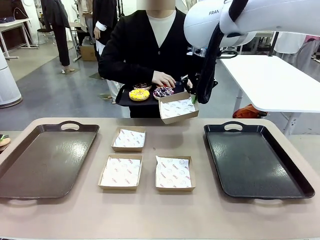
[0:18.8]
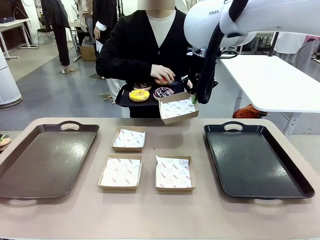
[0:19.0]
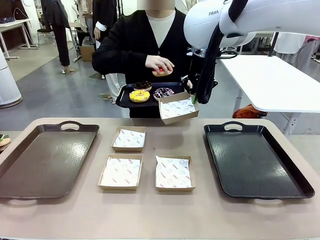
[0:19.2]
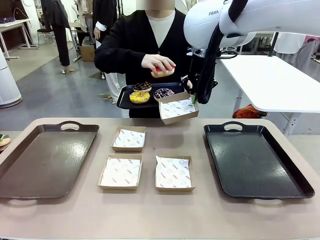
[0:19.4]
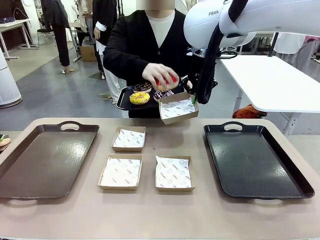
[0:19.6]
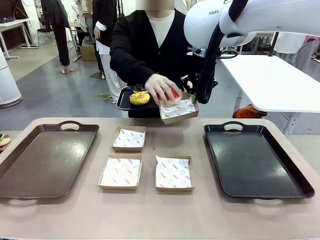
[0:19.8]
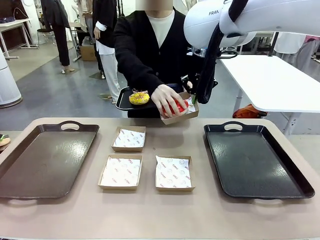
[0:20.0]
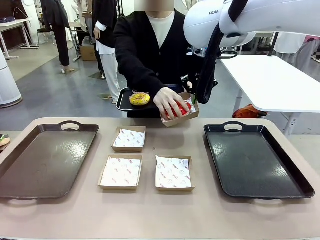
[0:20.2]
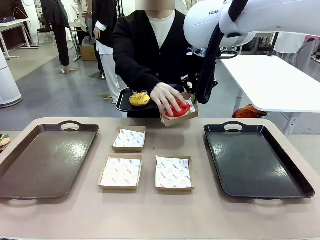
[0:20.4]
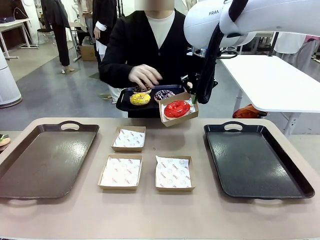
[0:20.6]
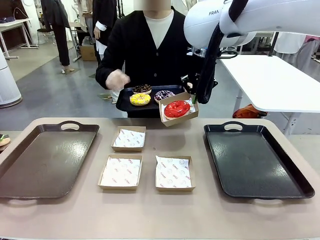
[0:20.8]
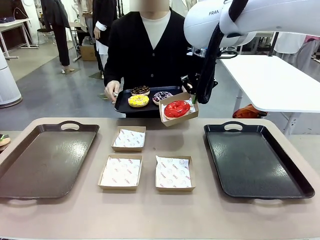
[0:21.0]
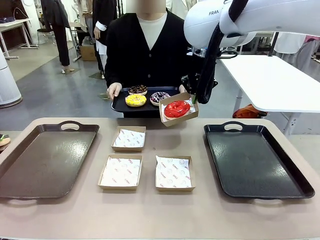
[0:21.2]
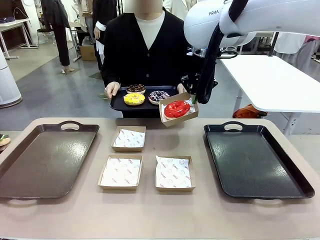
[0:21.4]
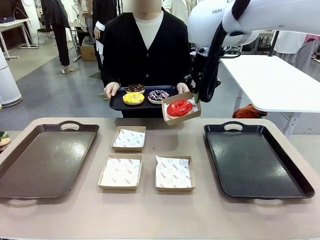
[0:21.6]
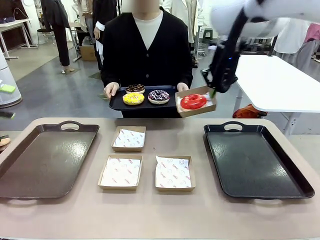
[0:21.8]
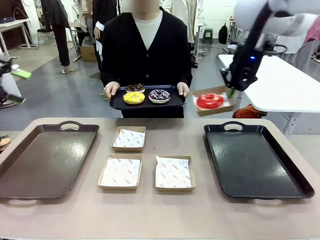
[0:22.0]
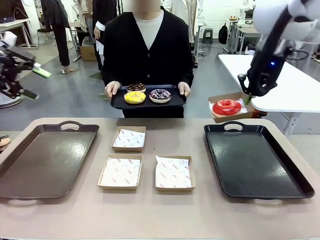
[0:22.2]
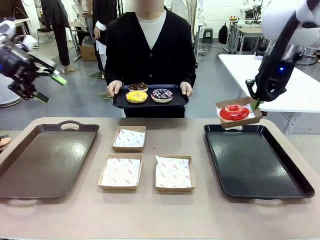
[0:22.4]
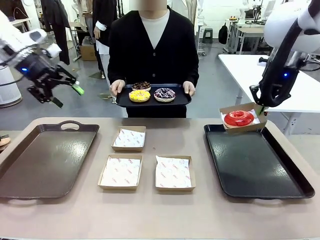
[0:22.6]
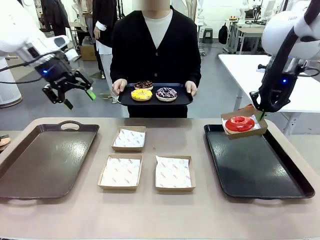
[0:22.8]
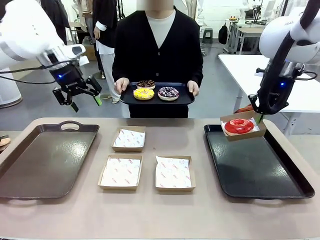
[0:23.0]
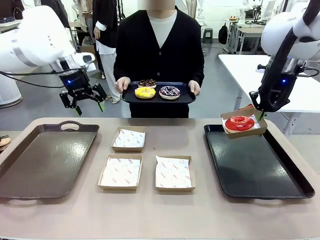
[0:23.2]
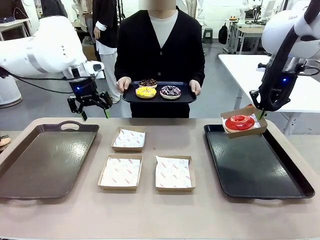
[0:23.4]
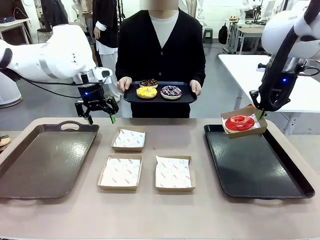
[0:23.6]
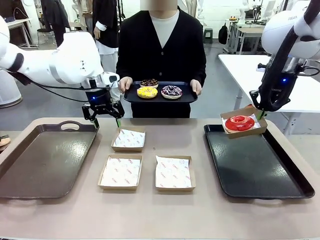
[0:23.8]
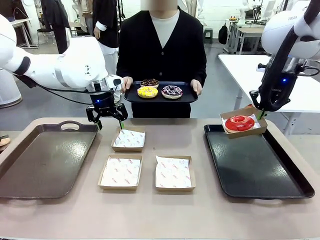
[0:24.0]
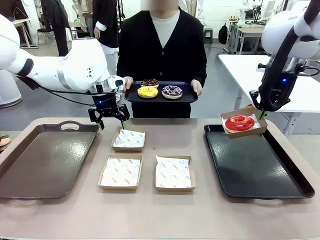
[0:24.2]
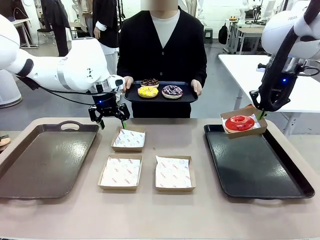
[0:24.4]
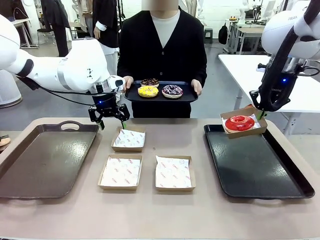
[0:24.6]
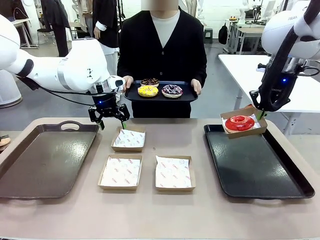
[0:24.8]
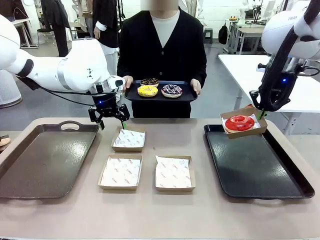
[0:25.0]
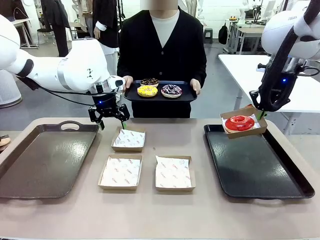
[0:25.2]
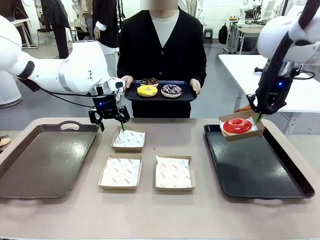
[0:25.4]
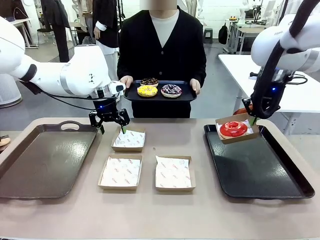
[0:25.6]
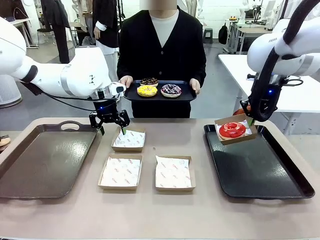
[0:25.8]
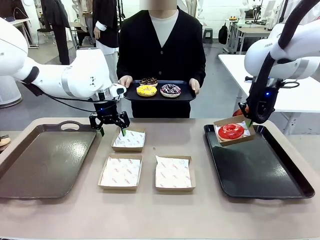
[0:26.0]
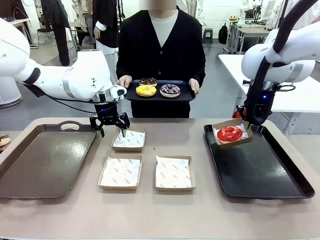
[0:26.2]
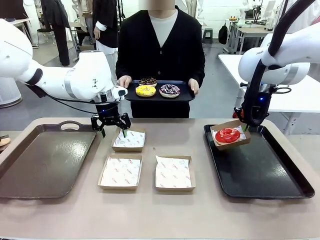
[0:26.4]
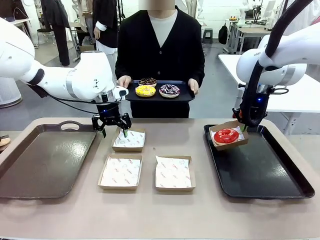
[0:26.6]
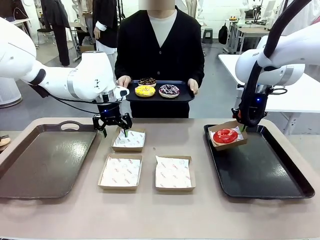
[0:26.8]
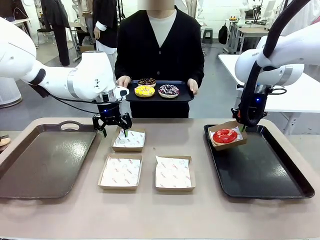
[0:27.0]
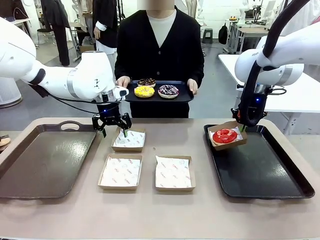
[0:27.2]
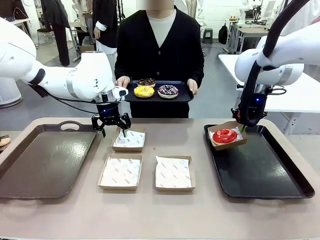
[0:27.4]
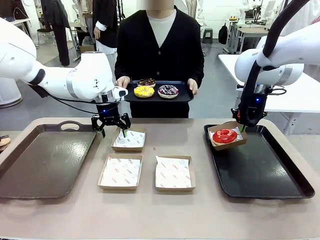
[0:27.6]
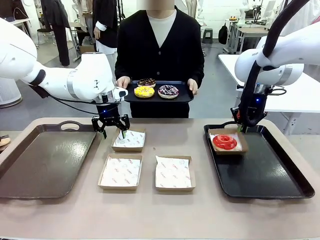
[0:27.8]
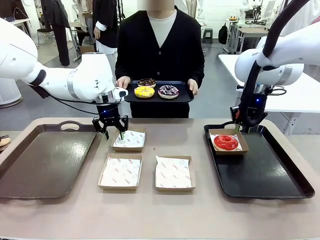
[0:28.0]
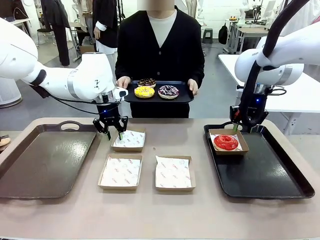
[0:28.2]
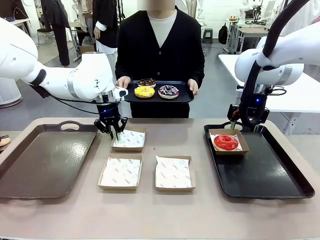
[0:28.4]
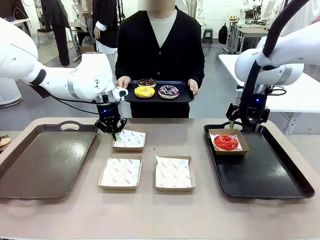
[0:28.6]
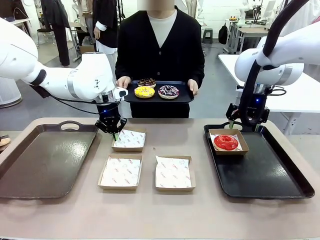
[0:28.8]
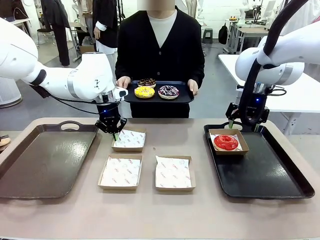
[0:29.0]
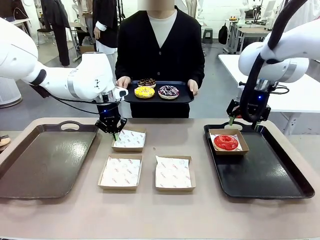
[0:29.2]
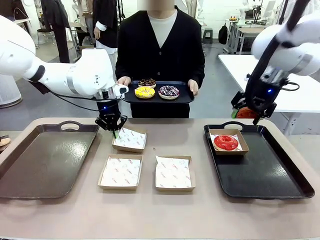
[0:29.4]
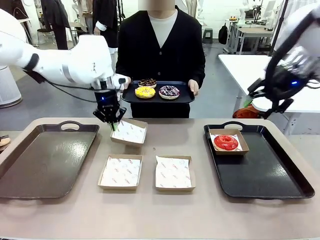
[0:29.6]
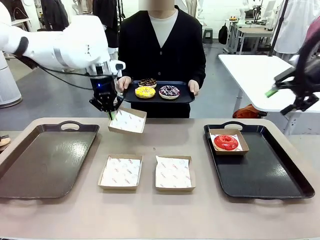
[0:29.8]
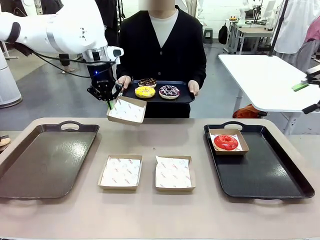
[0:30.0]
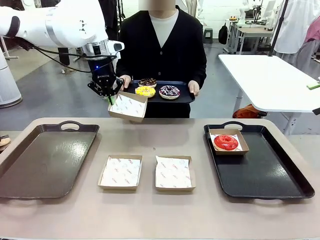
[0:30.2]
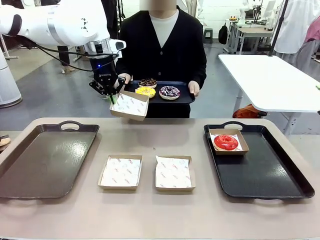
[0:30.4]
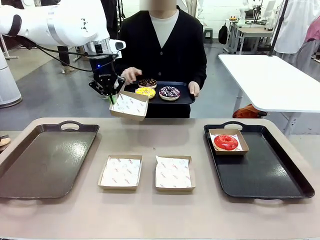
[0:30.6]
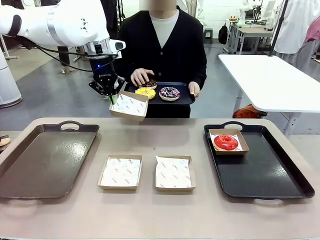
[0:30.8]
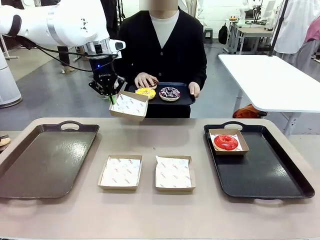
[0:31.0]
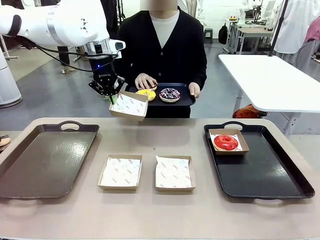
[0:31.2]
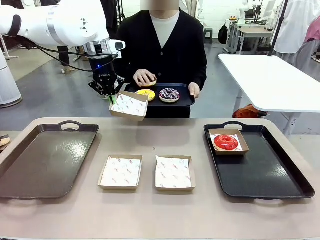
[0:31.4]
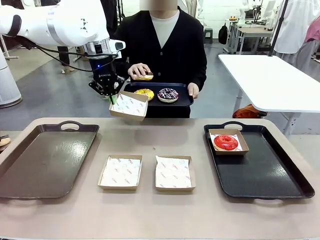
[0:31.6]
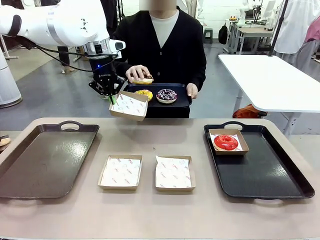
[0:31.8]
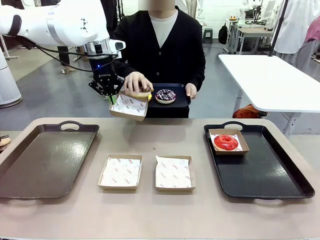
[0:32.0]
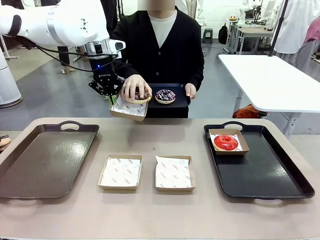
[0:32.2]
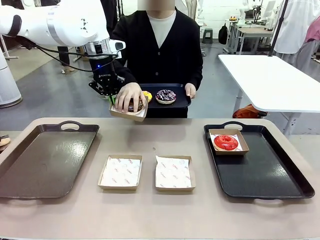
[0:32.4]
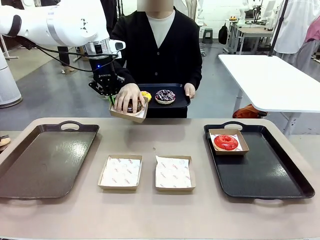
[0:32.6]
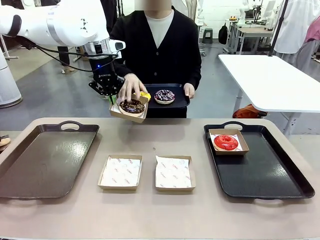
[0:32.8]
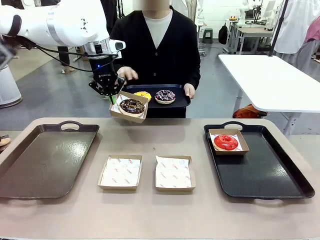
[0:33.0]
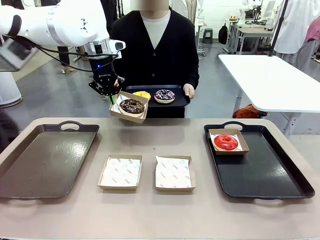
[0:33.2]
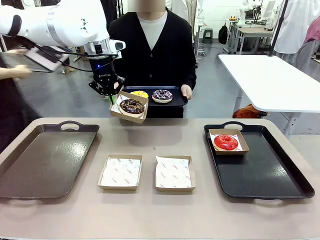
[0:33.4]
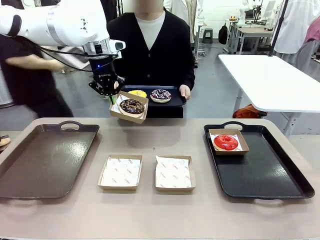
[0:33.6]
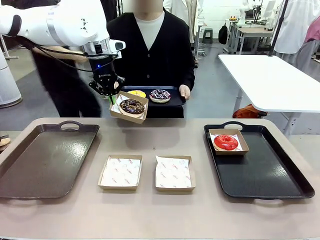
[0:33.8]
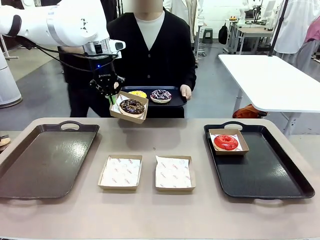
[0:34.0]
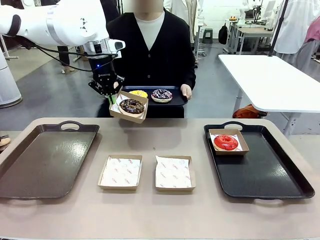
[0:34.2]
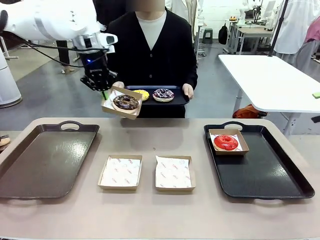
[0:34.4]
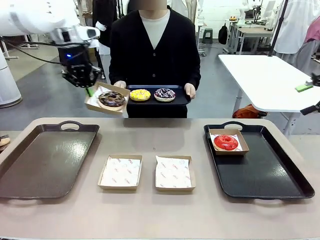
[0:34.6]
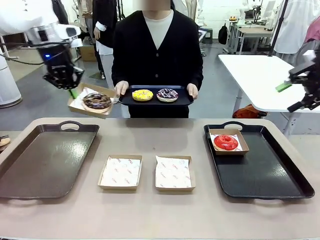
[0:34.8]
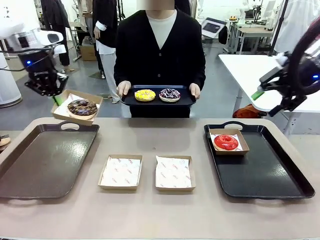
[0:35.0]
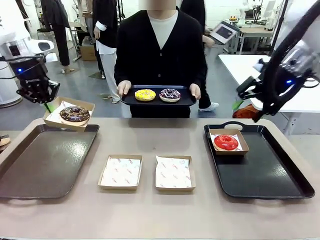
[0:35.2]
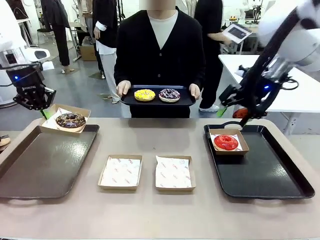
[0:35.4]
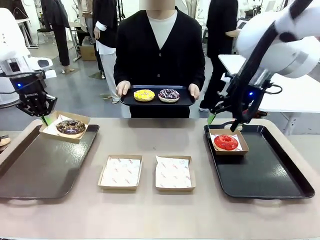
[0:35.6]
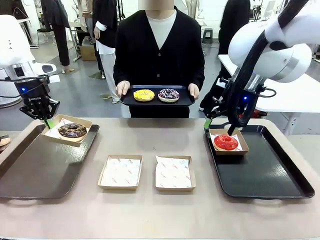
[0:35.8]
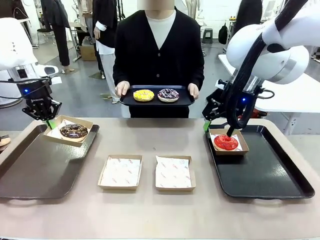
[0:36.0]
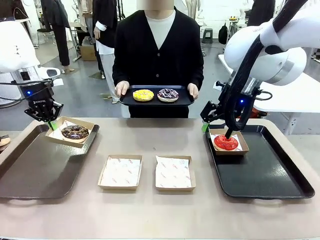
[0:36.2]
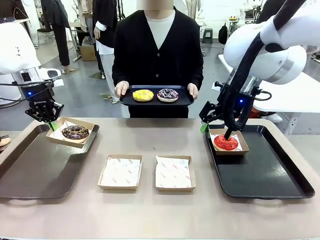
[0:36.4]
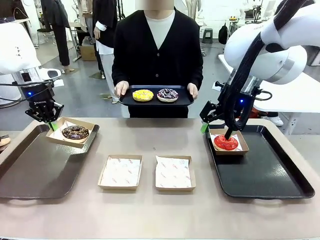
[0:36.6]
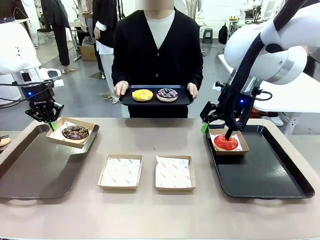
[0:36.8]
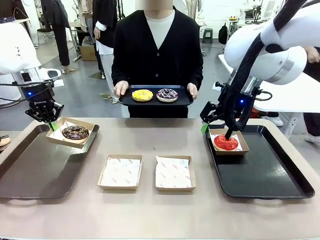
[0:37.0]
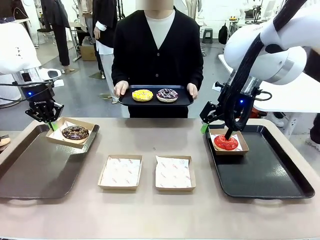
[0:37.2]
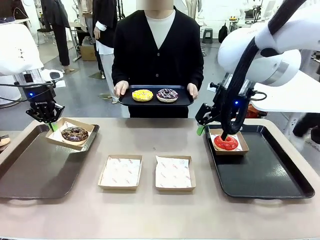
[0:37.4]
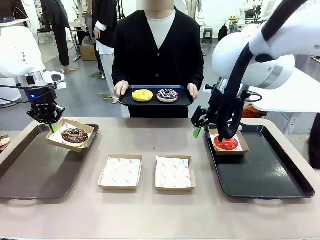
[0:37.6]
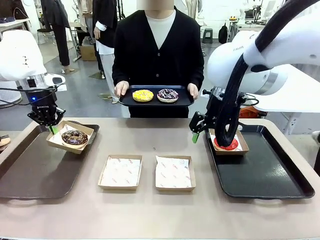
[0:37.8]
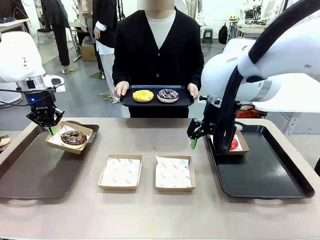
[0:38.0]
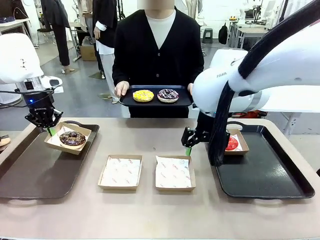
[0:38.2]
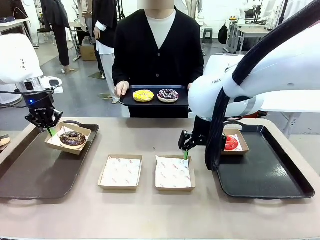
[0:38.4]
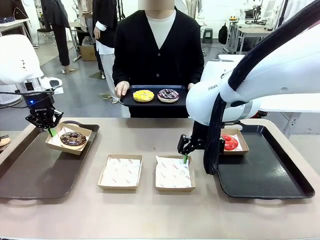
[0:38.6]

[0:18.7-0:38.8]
Task: Individually package the donuts and arrange them on the tray.
Robot: Place the picked Paper togo box on the Handle tray while simultaneously picking up another Paper togo box from the table with the other hand.
